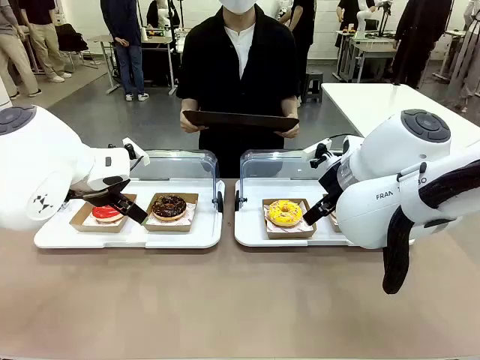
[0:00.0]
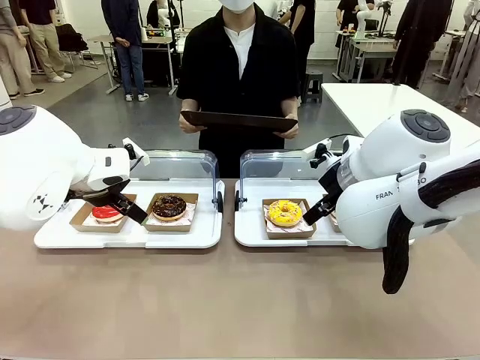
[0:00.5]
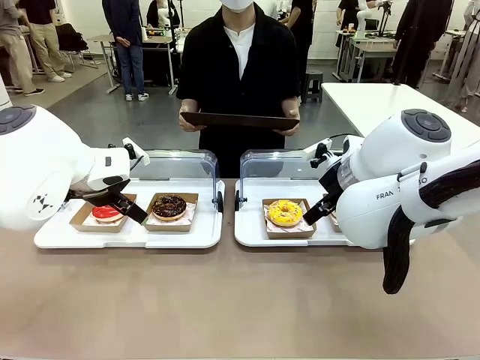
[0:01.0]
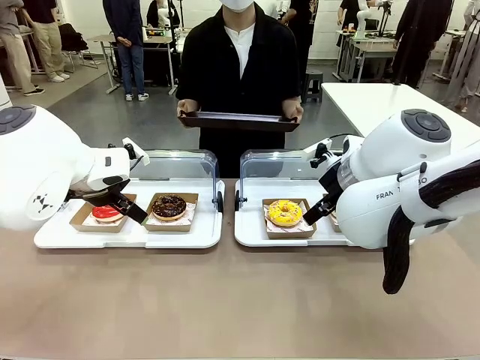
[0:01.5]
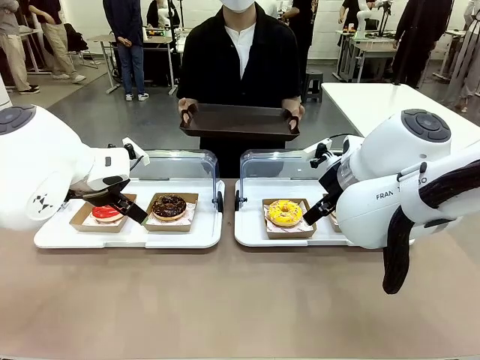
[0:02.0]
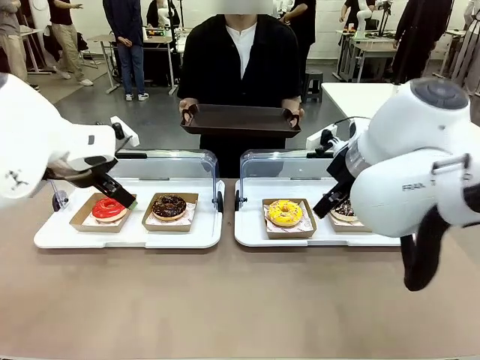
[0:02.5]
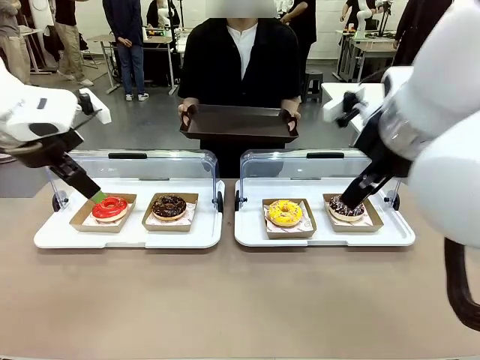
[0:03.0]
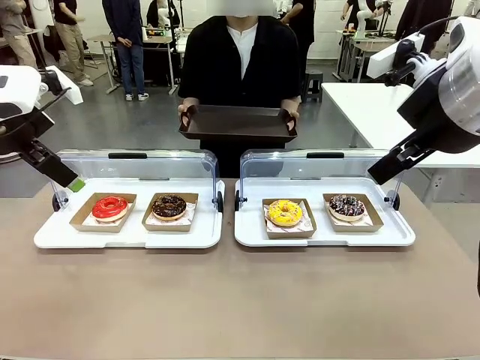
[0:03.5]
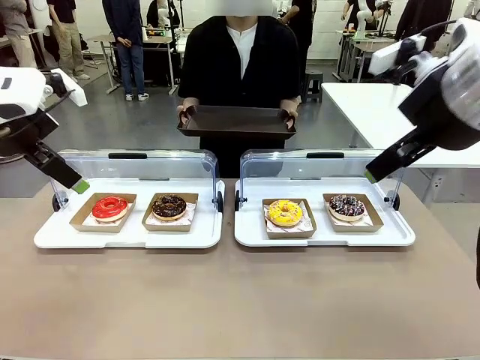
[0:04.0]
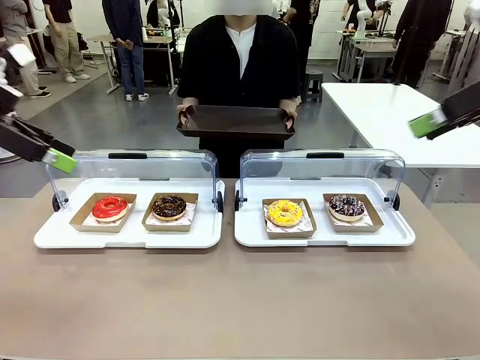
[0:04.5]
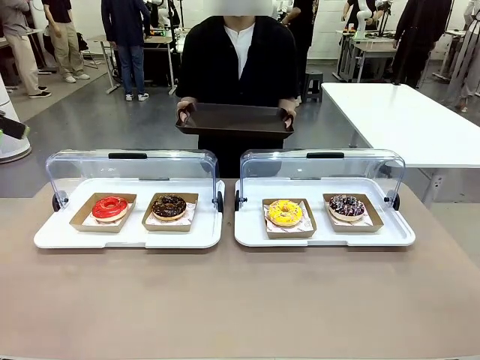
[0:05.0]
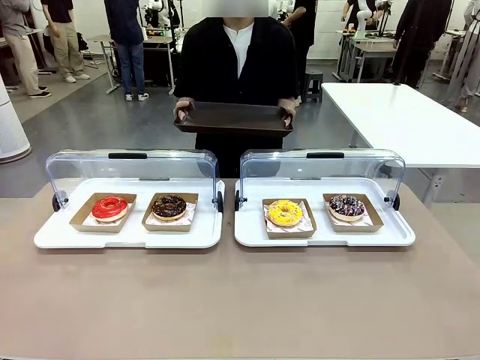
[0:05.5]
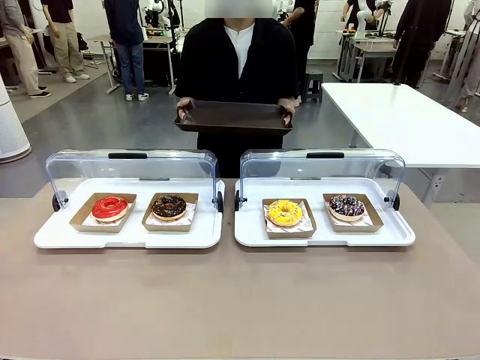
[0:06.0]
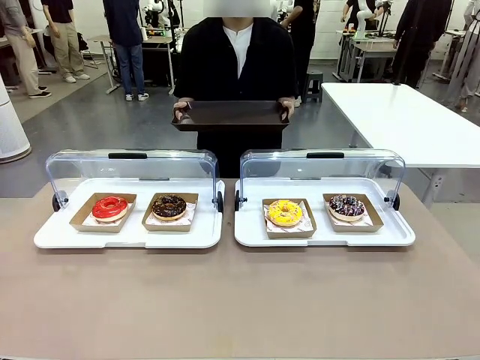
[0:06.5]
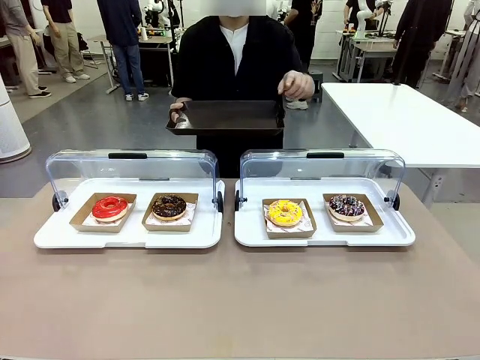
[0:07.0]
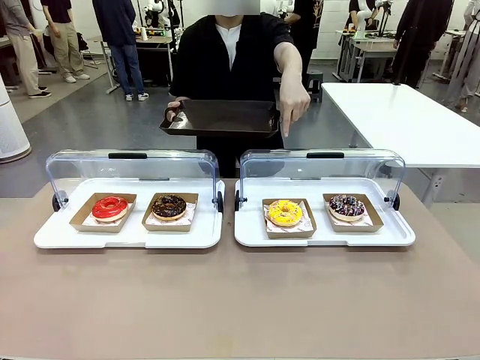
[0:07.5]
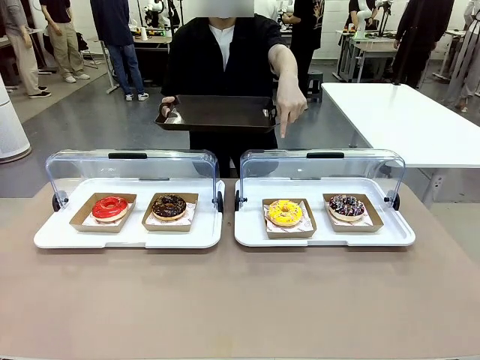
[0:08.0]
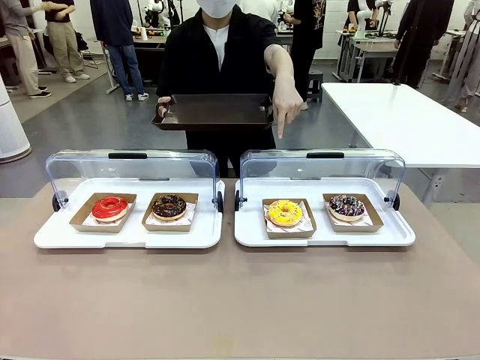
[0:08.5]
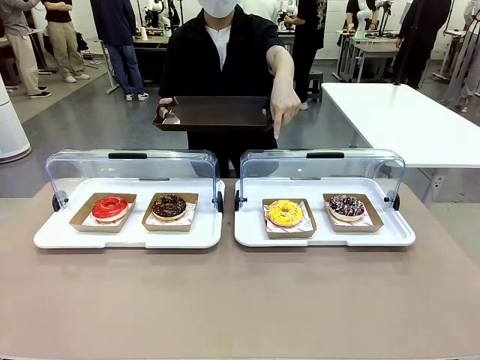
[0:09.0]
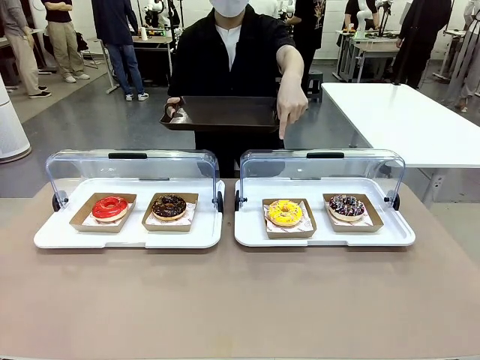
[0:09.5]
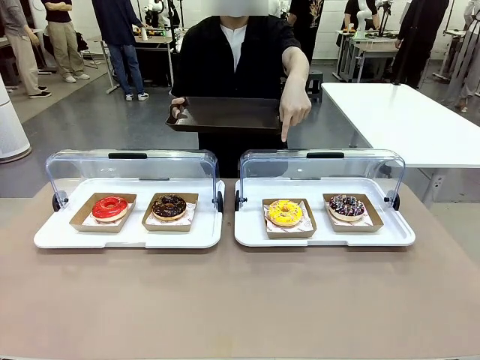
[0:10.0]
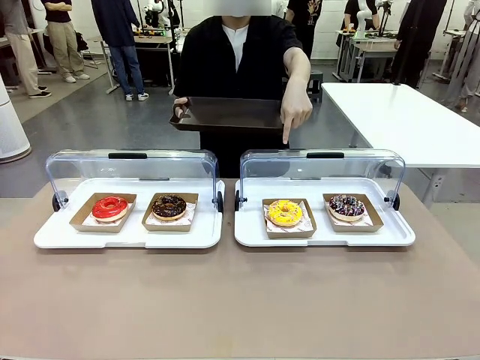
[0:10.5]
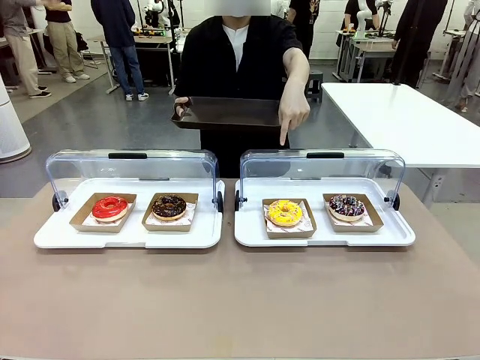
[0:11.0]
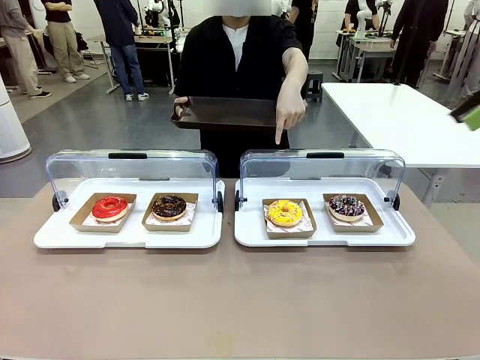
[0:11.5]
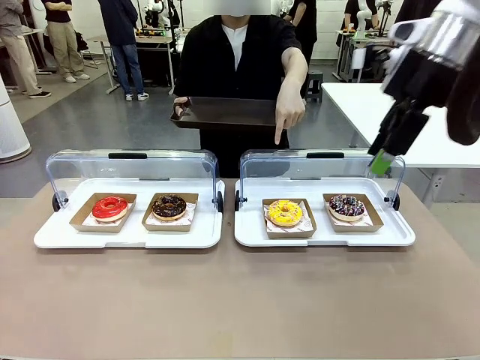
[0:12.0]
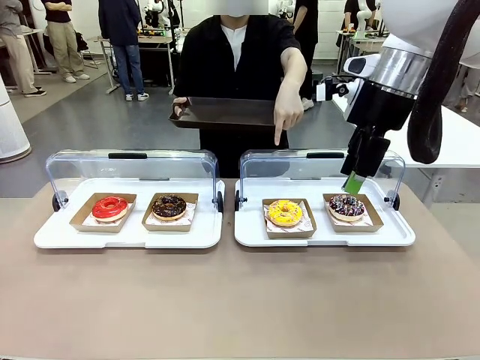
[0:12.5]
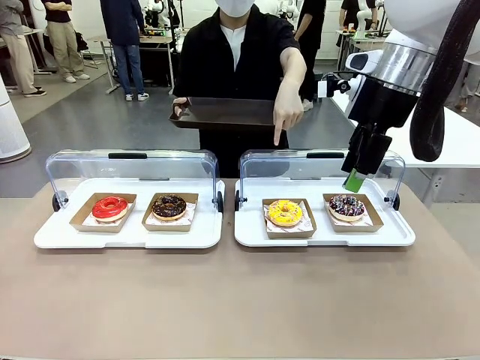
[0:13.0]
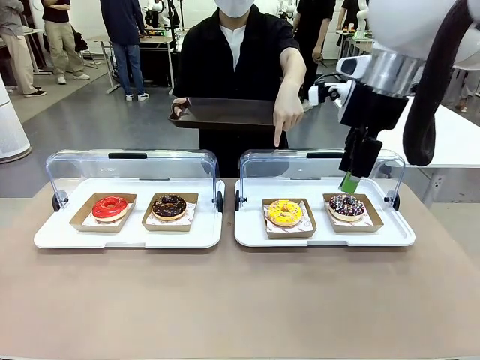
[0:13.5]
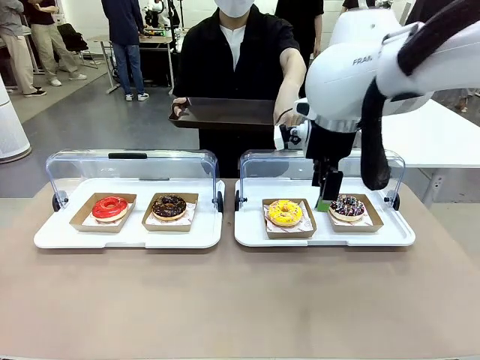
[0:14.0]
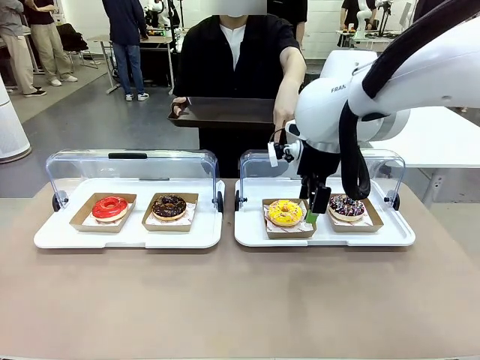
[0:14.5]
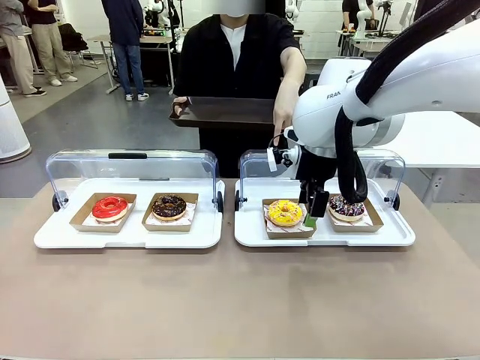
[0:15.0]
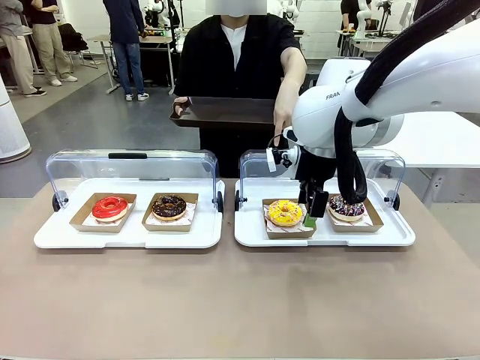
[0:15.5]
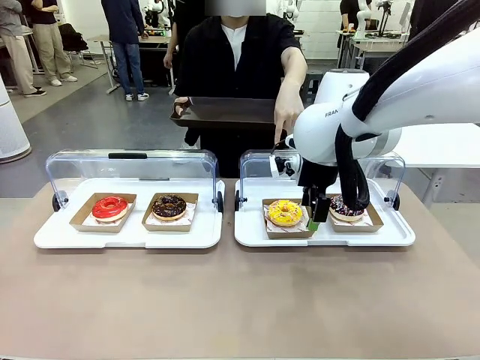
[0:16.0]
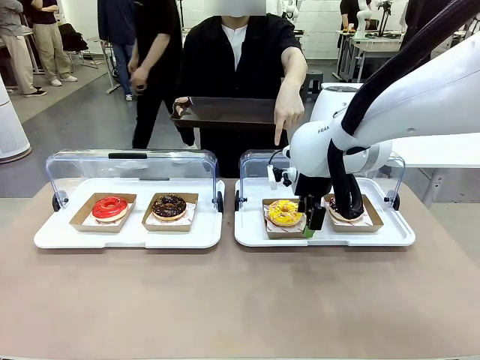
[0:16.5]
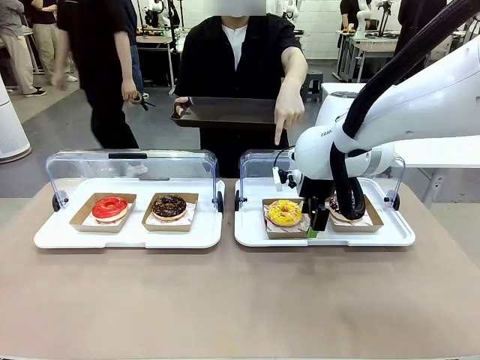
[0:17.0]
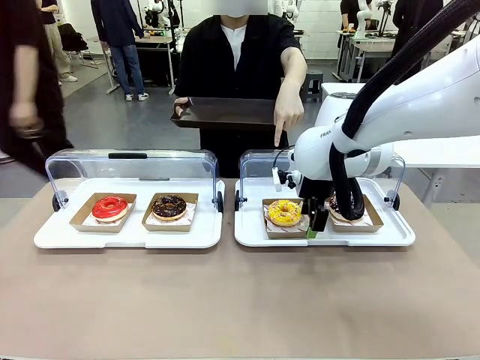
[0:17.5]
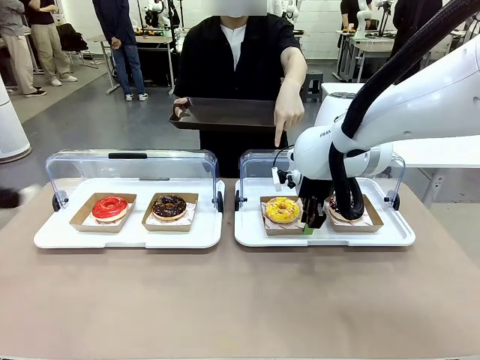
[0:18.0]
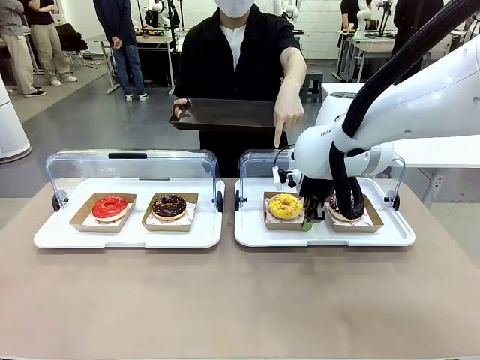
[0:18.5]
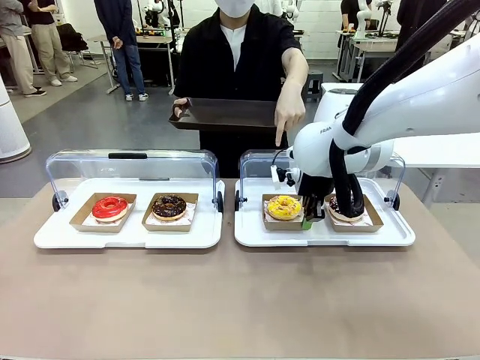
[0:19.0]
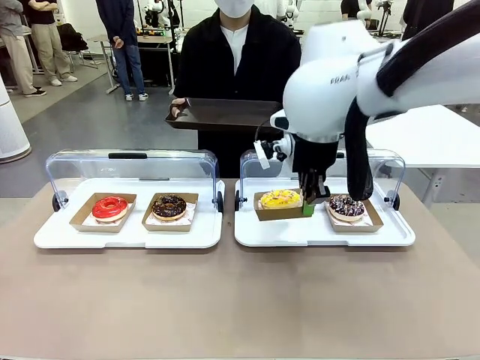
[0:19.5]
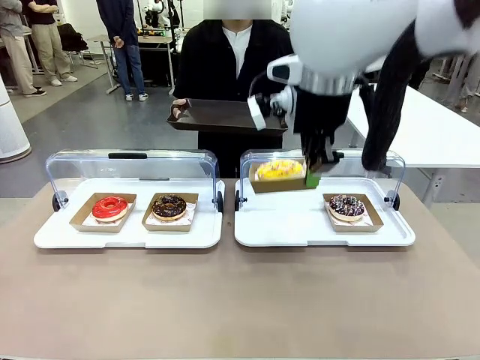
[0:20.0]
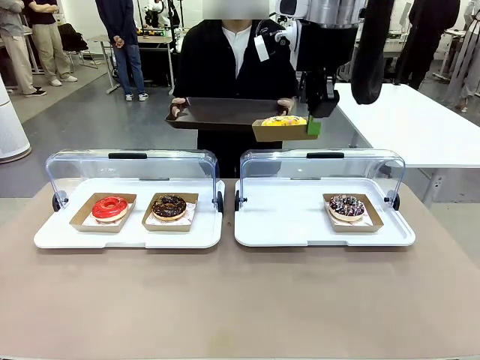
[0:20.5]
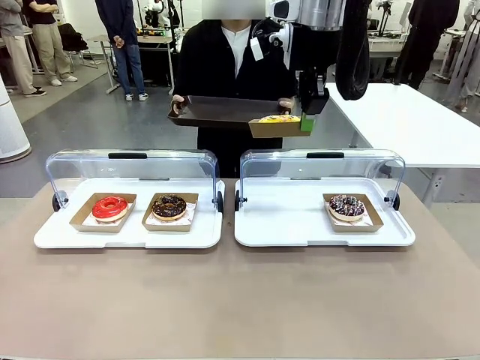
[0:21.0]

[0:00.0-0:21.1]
Task: Provide the desired donut to the person.
Robot: Pick up and lift the Paper togo box containing the Donut pointed at by the person.
Person: Point to one donut. Lift the tray onto the Roll-Top Bakery Case.
